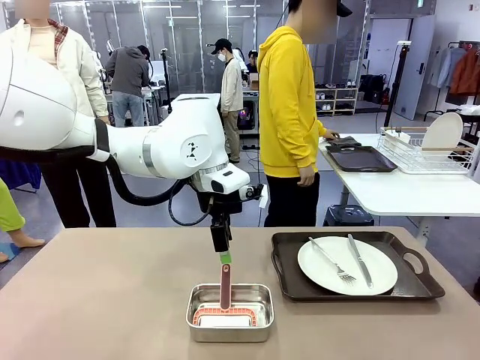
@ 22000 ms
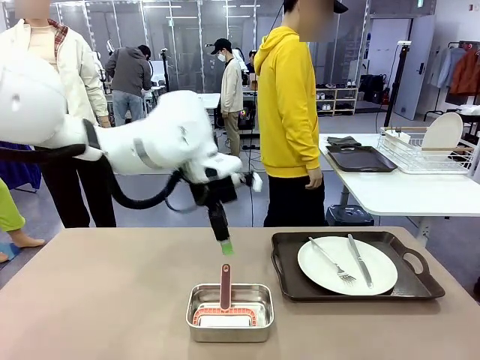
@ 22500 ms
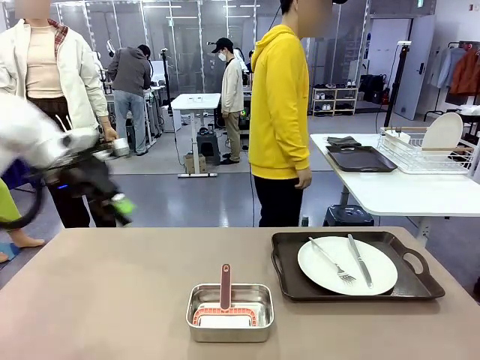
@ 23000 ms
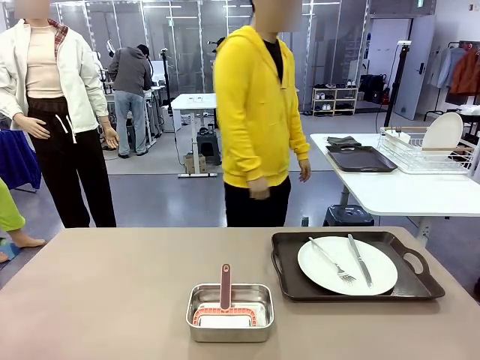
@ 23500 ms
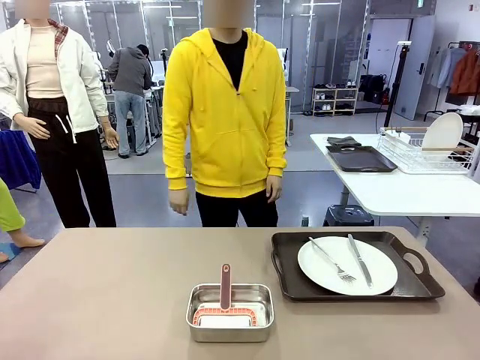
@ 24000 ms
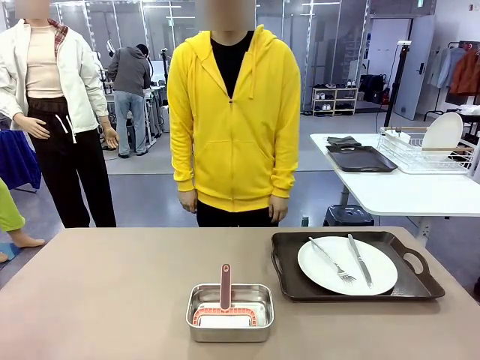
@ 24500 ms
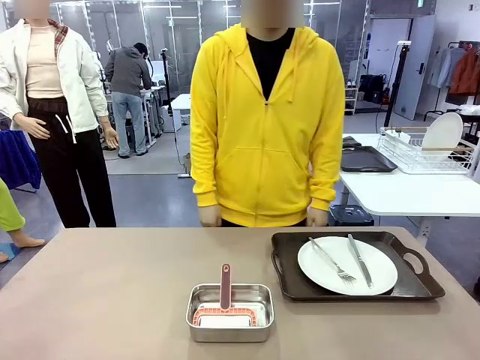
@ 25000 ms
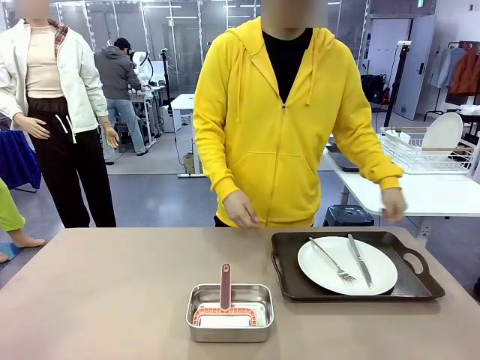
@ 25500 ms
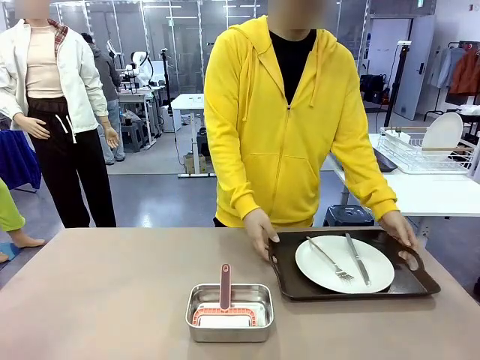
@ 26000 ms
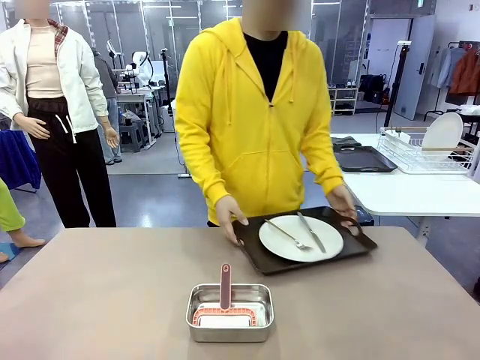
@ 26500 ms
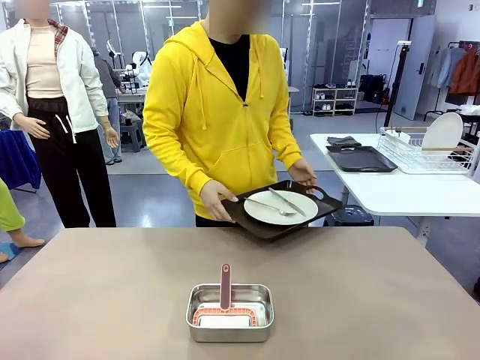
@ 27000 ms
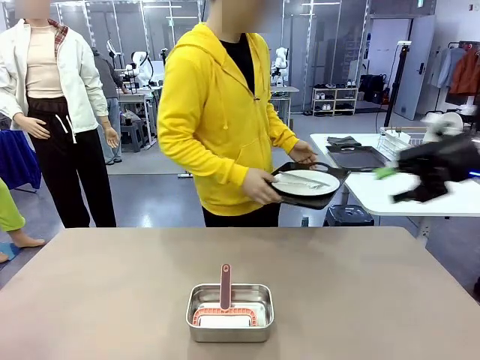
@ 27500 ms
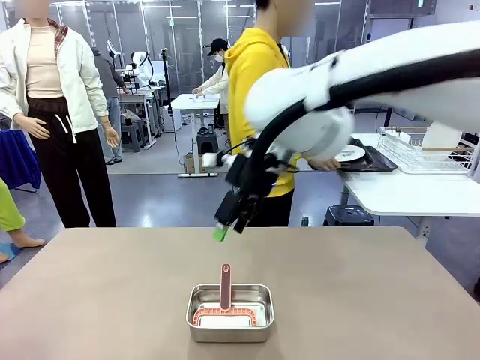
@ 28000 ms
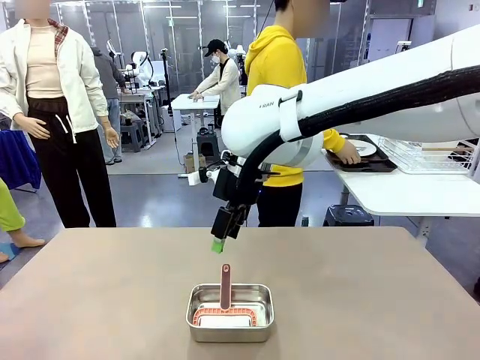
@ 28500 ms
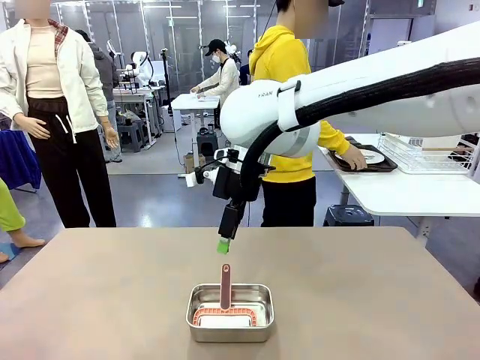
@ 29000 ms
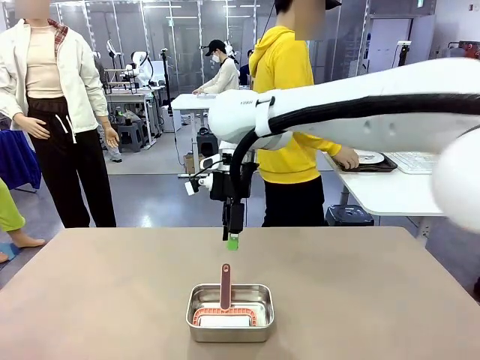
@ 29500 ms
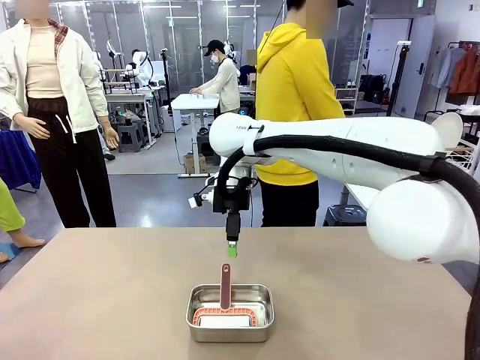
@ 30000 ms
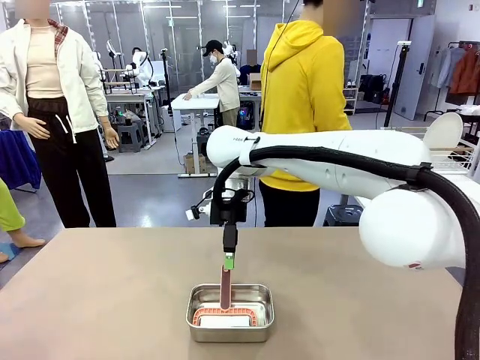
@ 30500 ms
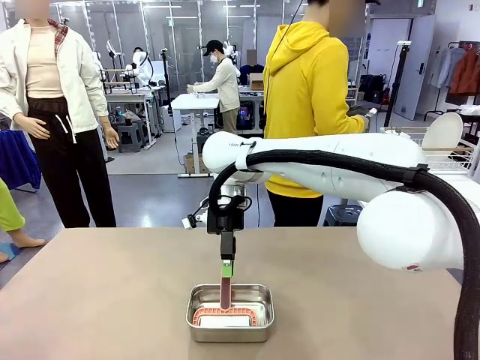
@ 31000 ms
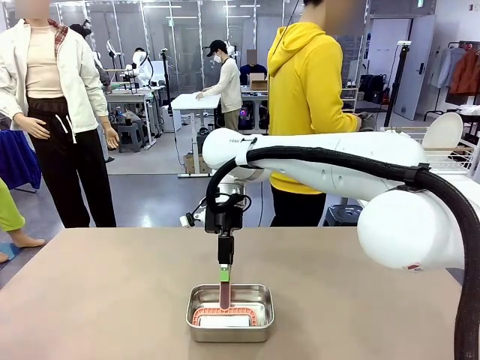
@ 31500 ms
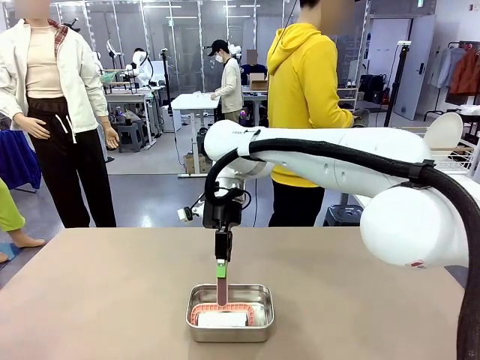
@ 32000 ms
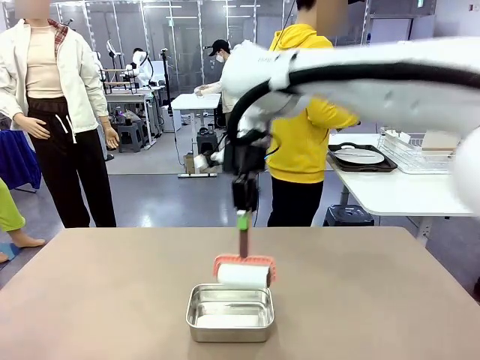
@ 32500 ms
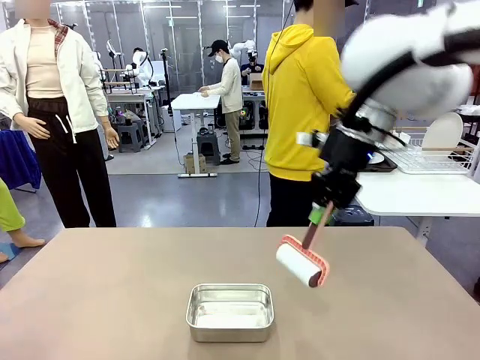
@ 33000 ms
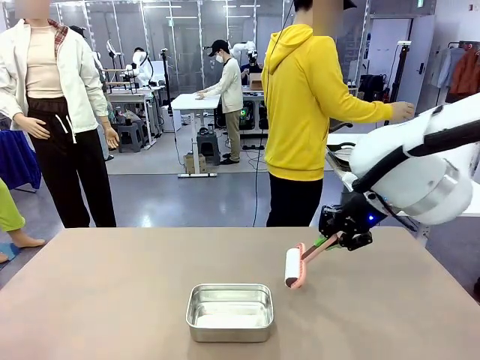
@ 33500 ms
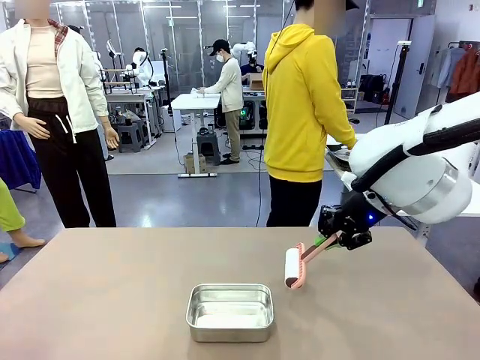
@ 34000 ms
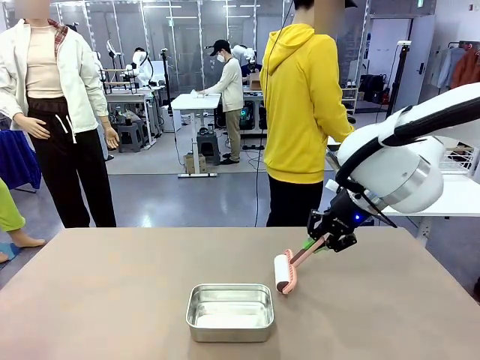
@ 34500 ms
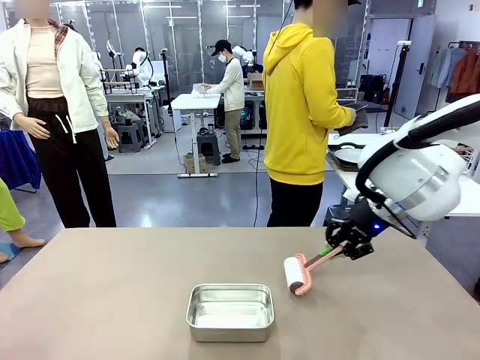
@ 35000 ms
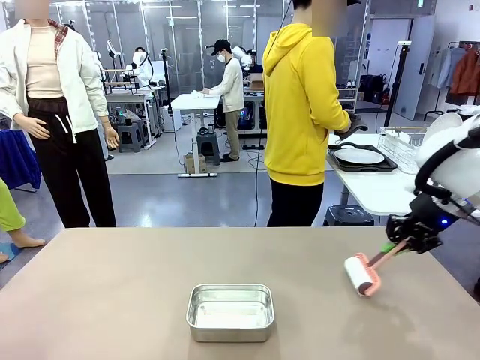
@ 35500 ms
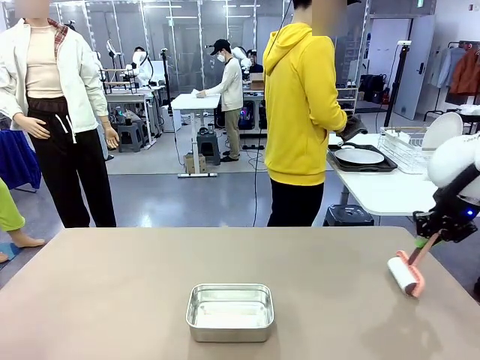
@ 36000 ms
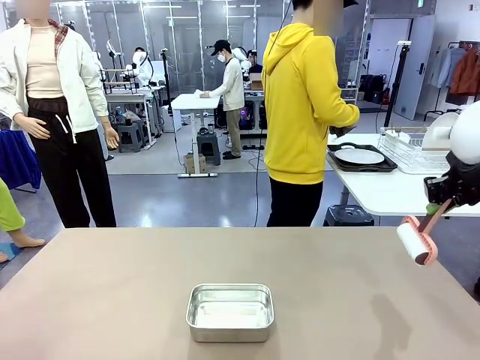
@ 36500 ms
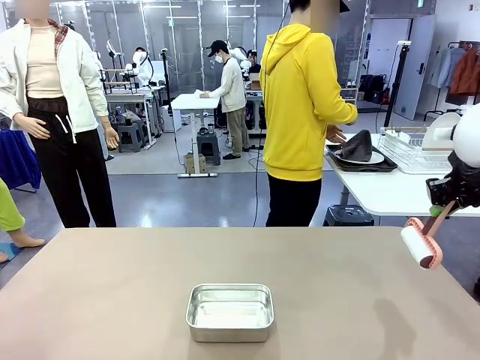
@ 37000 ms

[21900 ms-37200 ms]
Robot: When the right (or left) Handle tray is removed, use the right hand (or left hand) to clean the right (or left) side of the table with the Lint Roller.
Person: Pick up the left (or right) Handle tray and place it on the Handle tray.

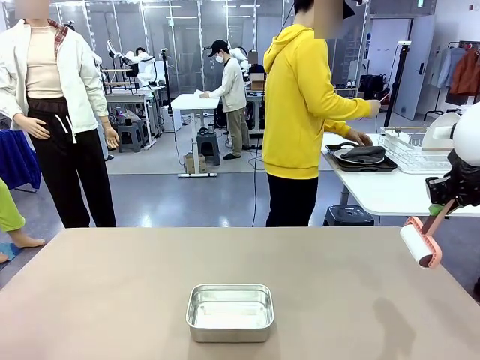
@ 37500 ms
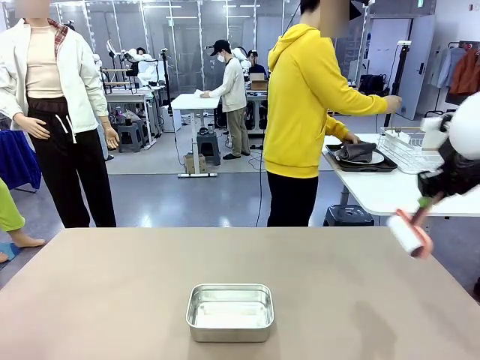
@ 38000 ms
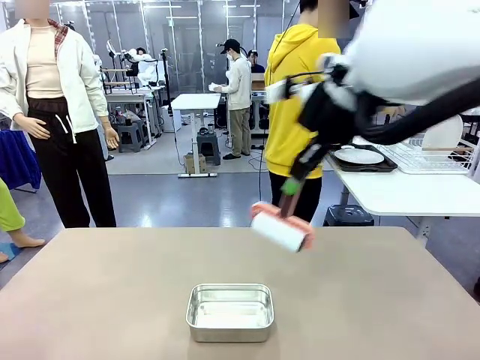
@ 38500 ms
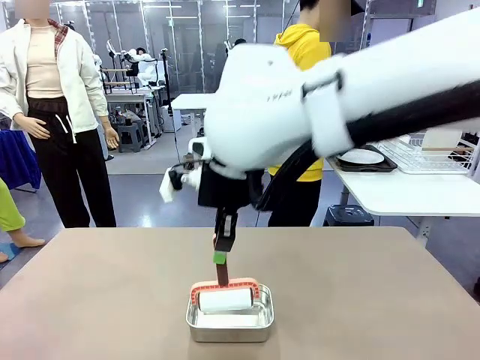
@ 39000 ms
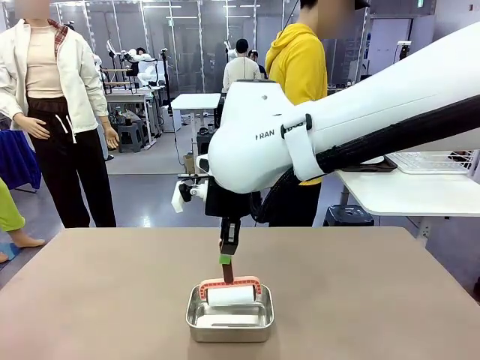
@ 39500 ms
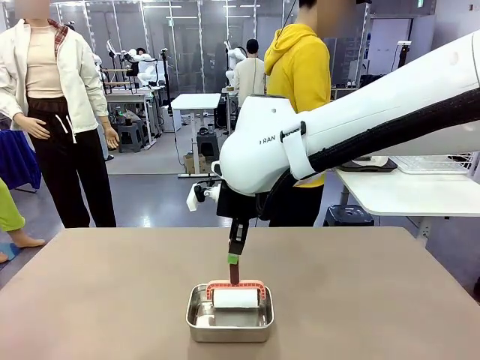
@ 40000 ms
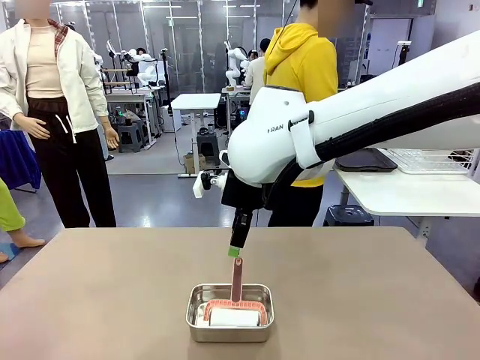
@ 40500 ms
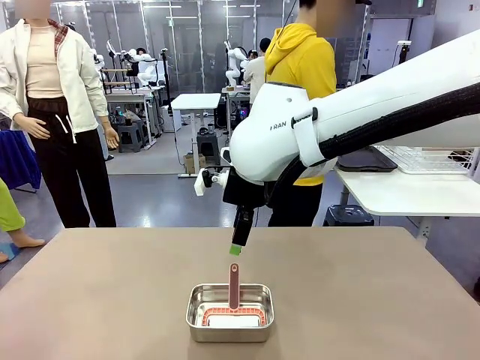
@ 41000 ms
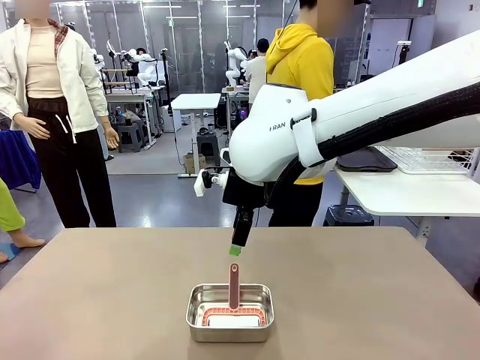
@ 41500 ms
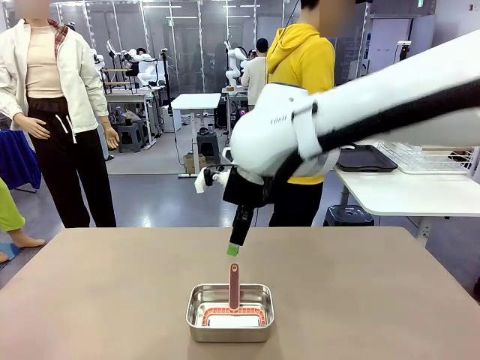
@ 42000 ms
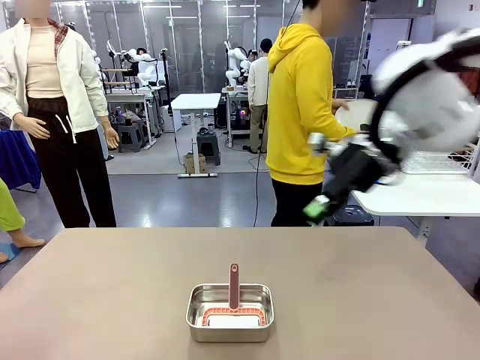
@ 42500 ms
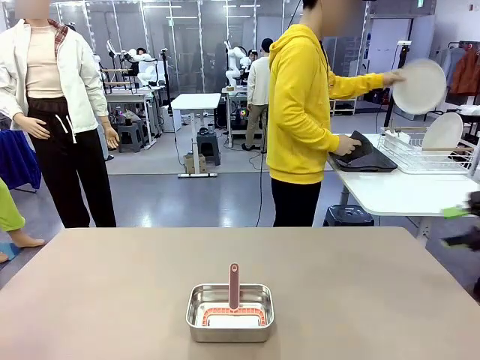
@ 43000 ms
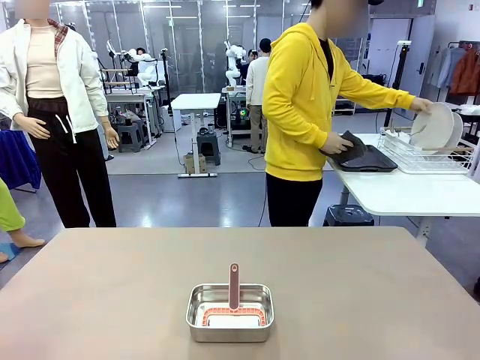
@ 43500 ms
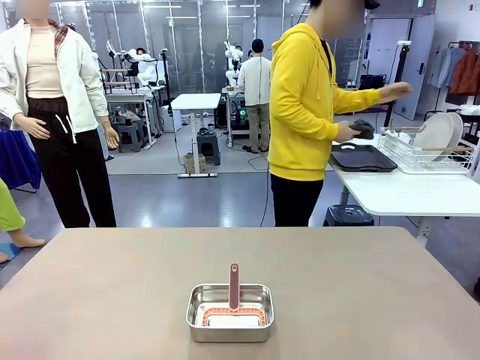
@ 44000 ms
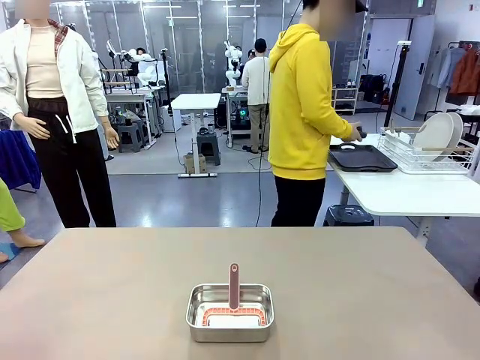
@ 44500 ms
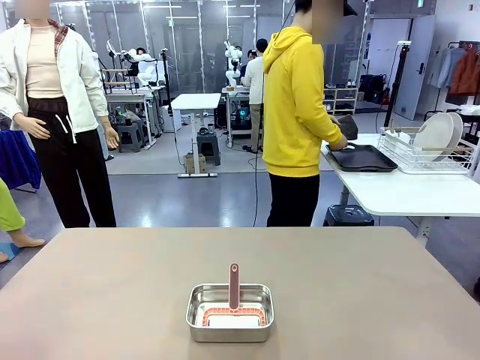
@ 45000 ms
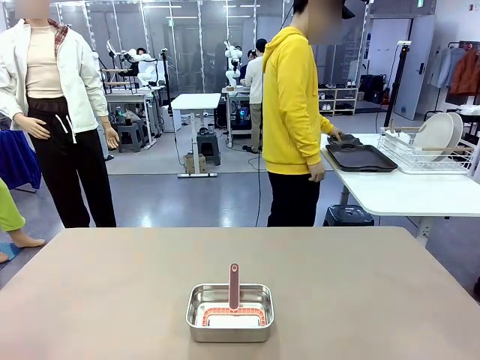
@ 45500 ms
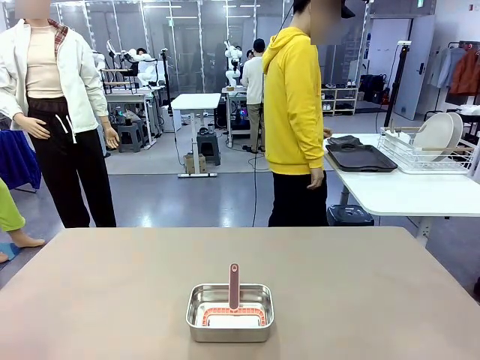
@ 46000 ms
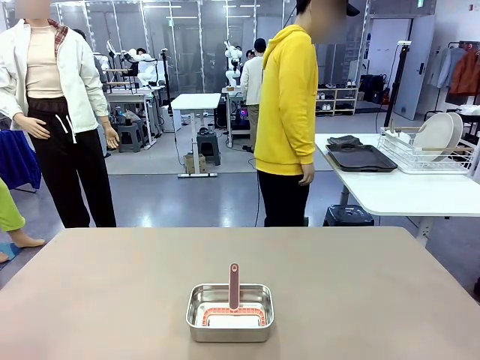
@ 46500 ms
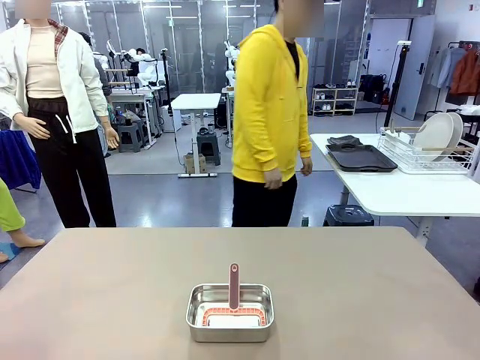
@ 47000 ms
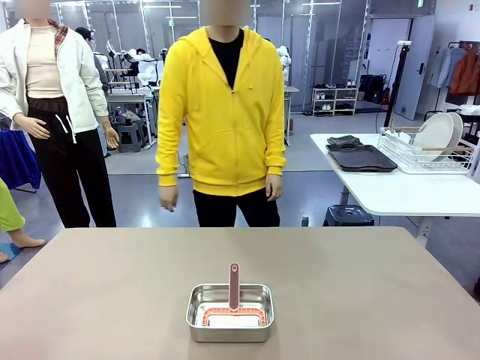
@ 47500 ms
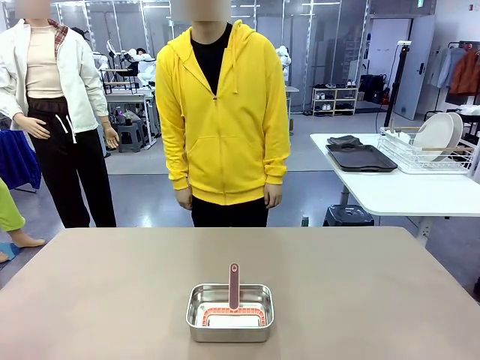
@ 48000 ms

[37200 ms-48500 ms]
Robot: Place the Lint Roller back on top of the Airtight Container.
Person: Use the Towel with hook to wipe the Plastic Matte Plate , Fork , and Knife and place into the Dish drying rack.
